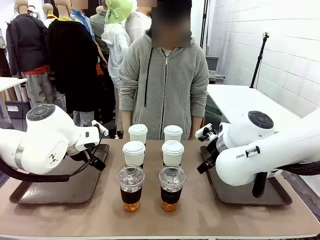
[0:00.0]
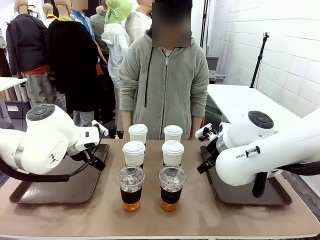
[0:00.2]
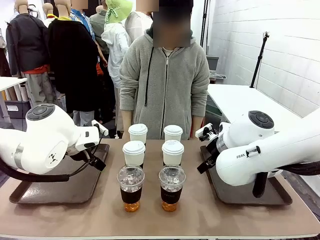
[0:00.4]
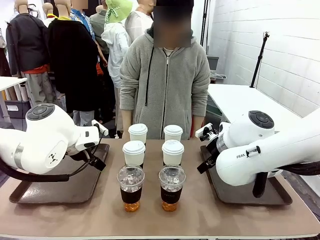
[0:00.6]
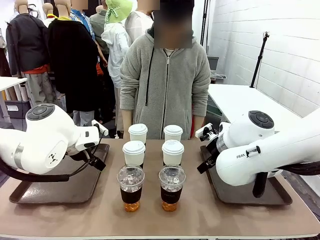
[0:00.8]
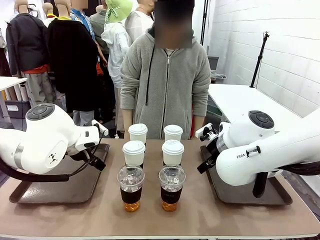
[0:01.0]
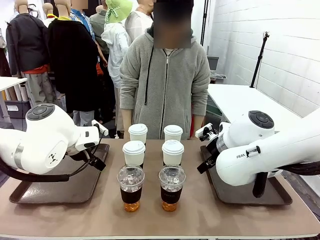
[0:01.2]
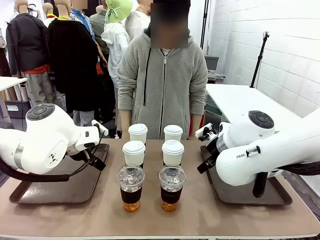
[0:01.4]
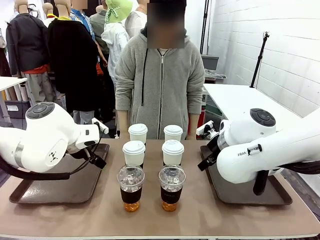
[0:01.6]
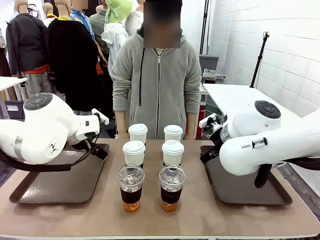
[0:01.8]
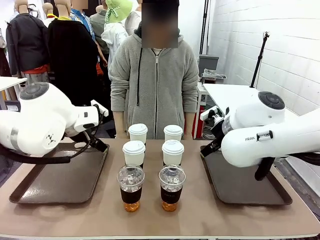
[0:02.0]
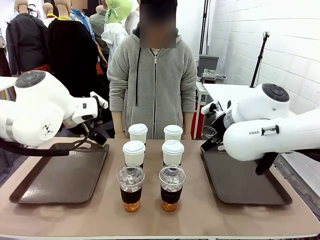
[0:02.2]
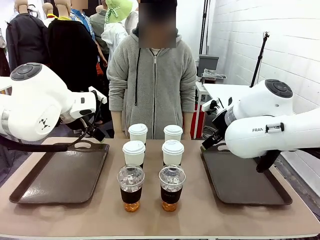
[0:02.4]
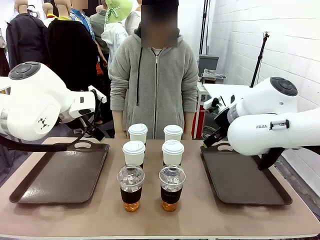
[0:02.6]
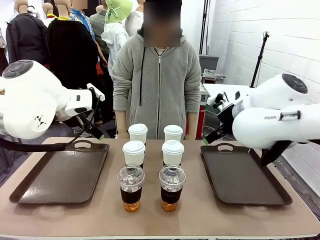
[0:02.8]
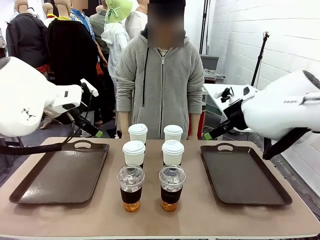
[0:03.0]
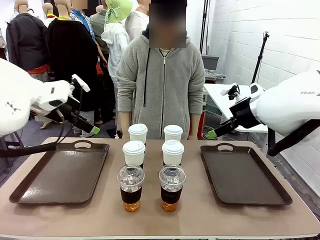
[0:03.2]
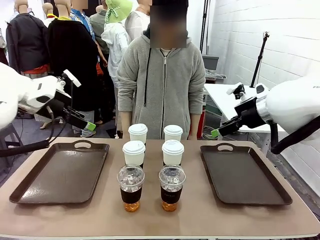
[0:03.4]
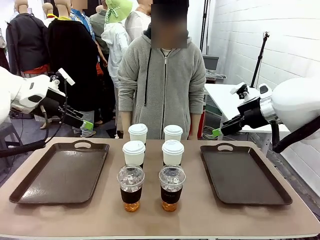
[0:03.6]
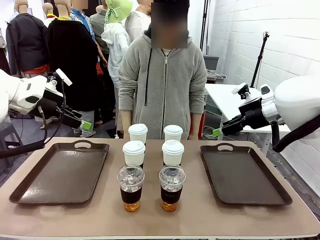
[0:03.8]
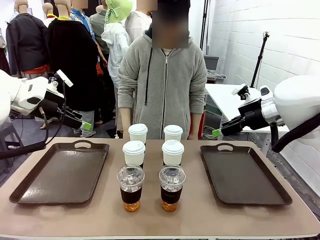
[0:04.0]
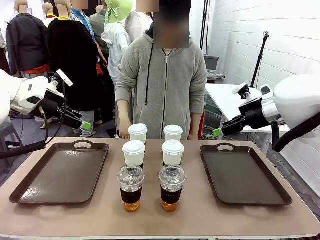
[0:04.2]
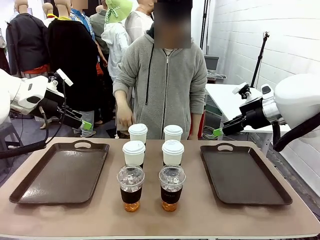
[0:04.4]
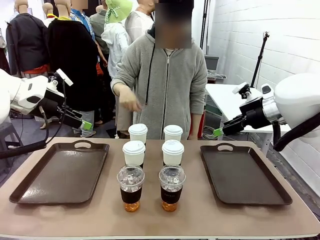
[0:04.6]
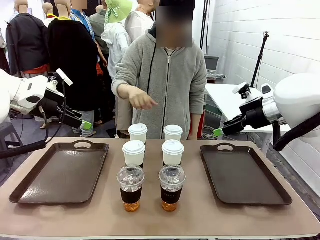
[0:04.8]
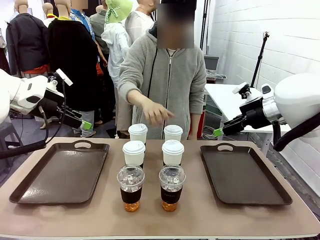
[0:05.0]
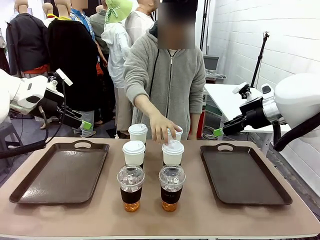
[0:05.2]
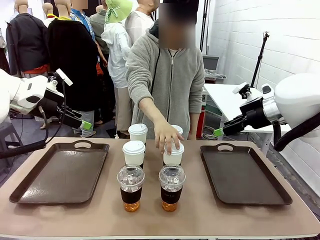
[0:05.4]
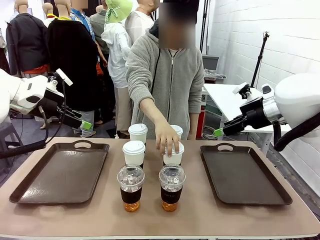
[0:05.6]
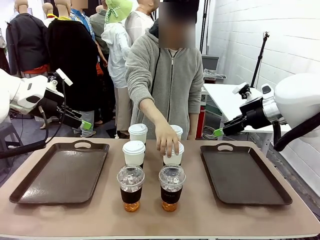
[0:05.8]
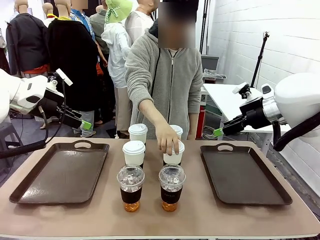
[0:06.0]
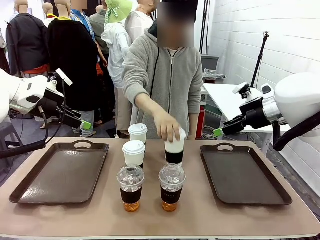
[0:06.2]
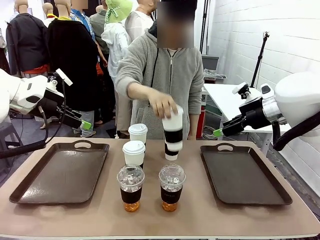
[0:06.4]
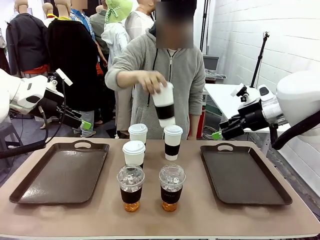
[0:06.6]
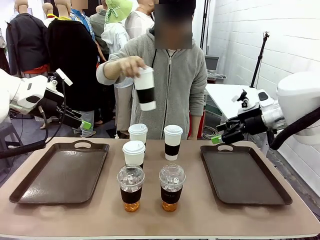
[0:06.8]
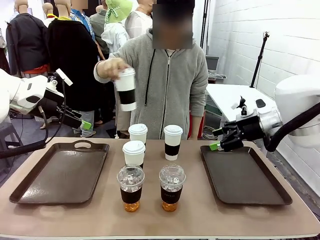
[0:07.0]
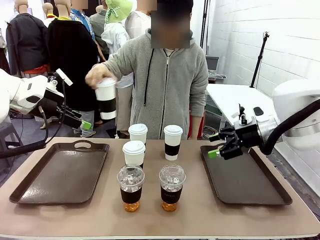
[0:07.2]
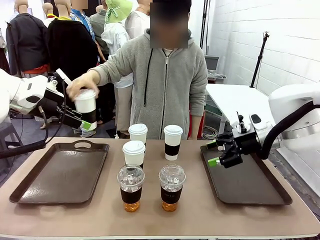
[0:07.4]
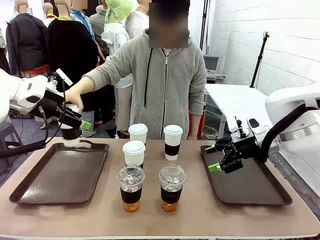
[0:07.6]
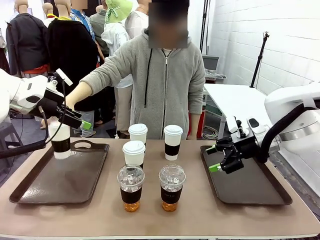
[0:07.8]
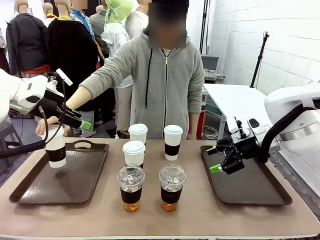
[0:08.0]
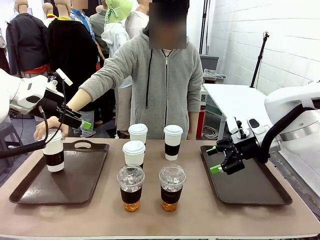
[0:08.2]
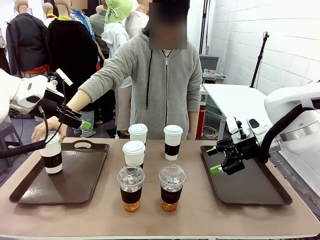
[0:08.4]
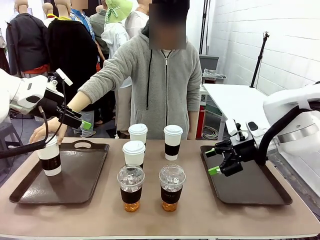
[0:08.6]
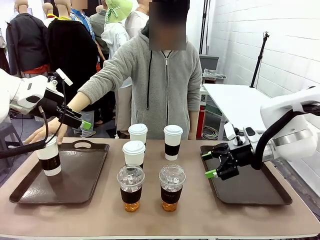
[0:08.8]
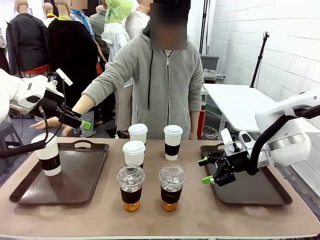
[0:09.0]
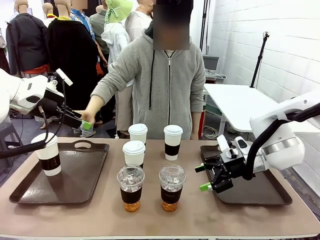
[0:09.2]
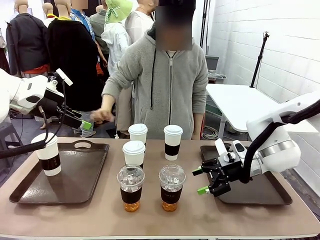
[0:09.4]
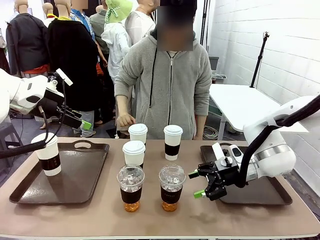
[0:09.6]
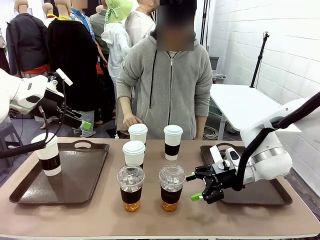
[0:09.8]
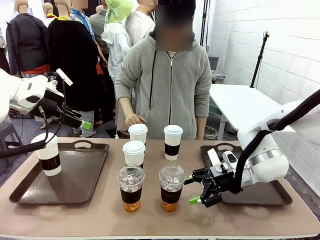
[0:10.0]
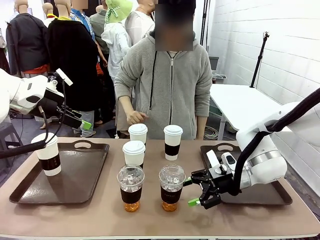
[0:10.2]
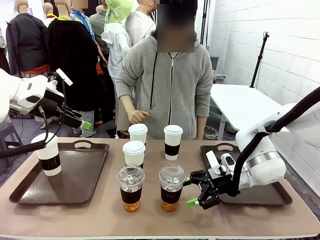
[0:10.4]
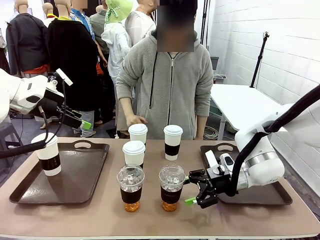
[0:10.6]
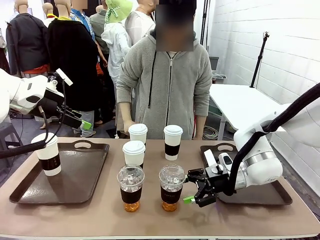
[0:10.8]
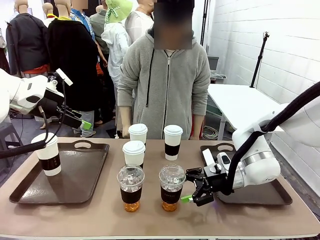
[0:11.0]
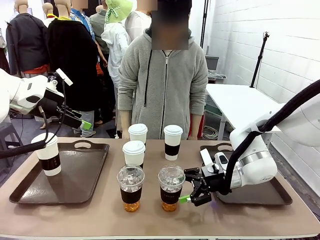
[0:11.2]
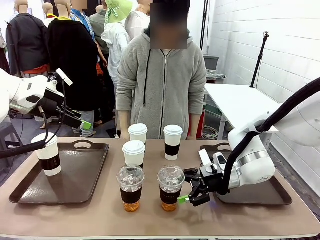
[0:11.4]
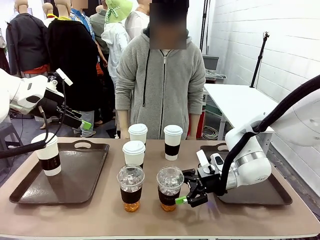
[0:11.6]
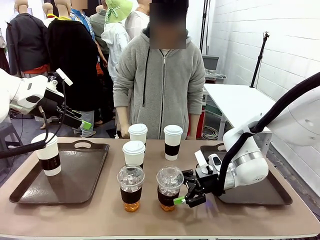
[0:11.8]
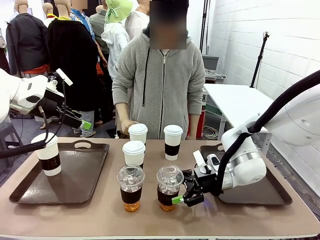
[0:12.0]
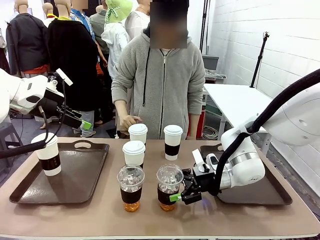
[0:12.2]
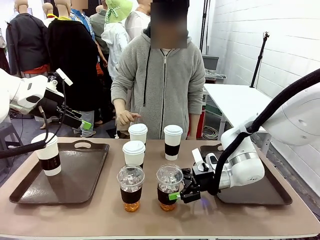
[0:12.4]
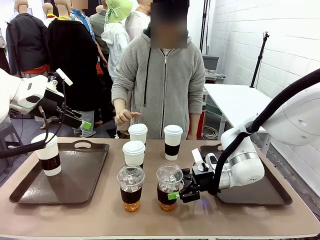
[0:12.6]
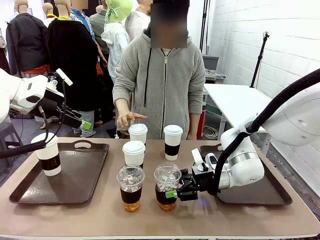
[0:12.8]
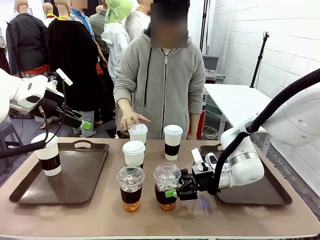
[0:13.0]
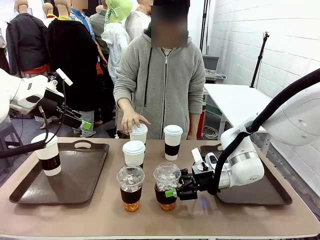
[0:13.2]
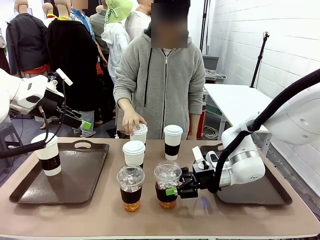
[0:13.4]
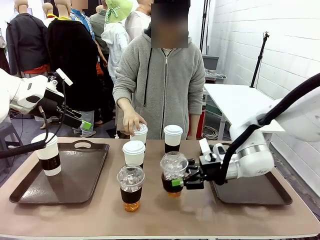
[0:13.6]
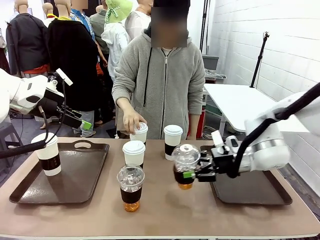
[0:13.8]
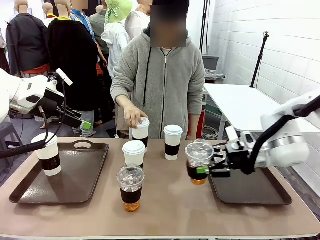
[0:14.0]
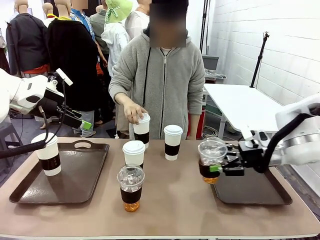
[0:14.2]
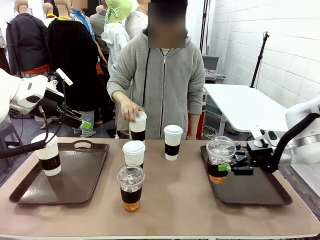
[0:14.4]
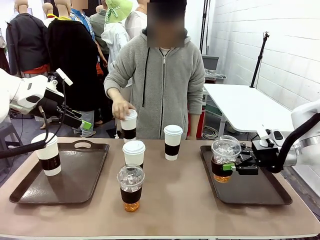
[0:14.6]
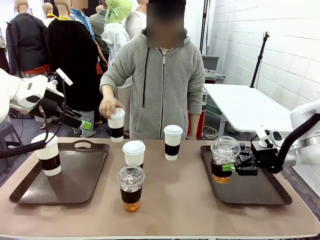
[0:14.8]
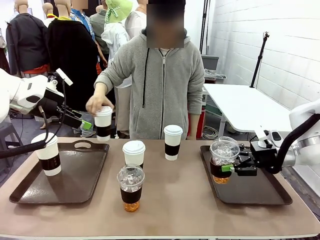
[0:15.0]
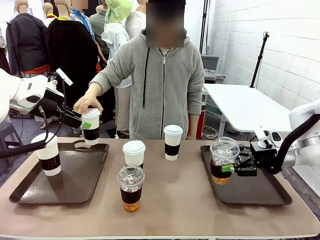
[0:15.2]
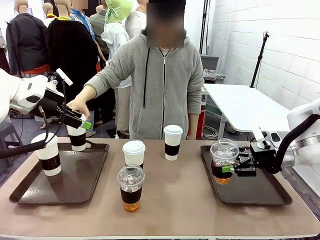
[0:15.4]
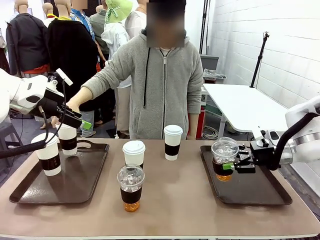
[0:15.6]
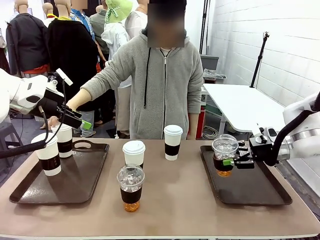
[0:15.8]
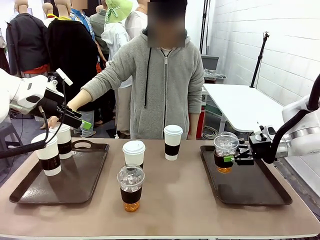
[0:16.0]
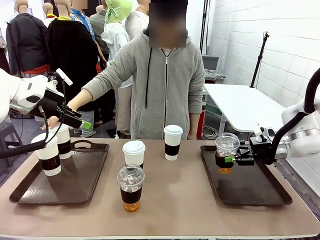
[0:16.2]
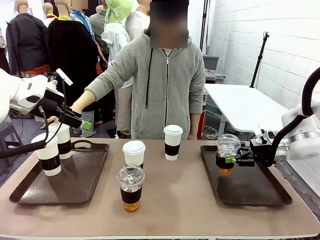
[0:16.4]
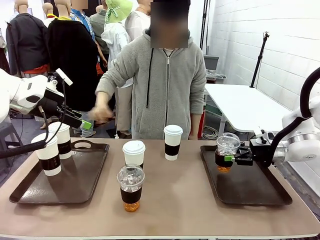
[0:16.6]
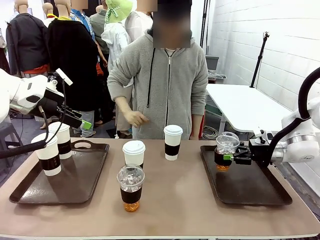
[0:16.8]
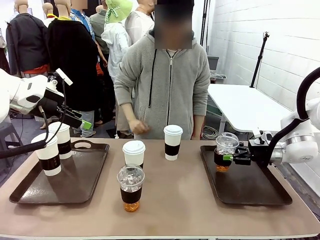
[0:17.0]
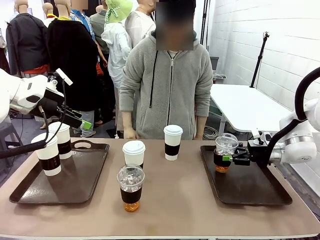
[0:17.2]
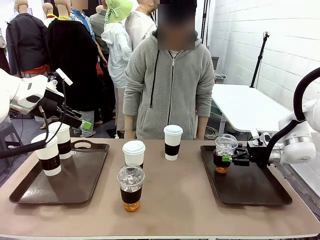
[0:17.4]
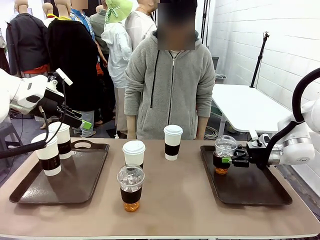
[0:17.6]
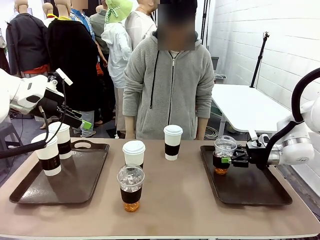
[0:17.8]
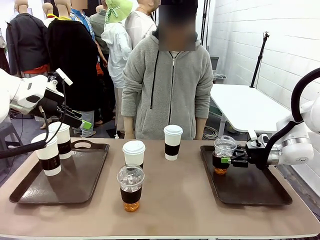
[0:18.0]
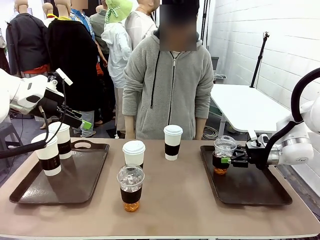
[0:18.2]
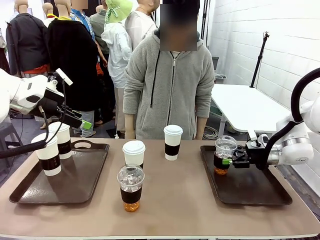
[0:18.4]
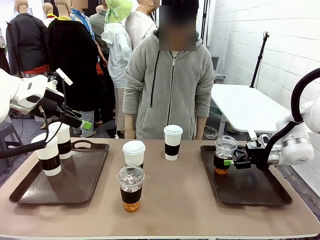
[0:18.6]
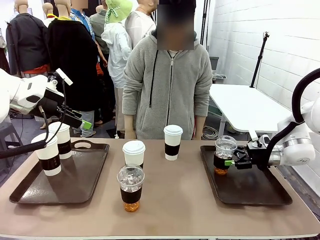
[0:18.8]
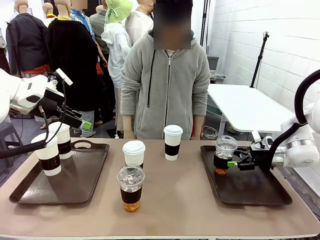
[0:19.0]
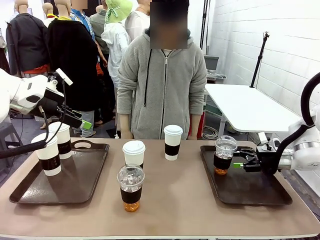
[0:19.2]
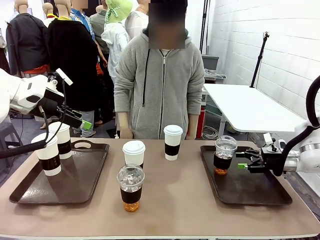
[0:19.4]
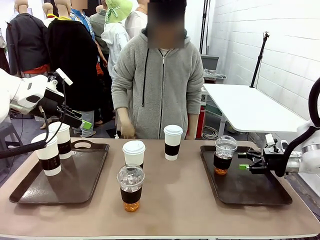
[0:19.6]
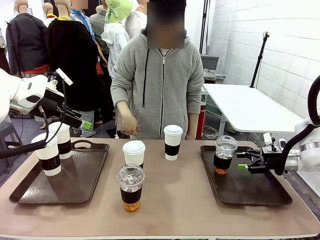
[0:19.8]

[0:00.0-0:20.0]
Task: Distribute the coffee onto the tray.
Robot: Pick up one iced Americano and place it on the right Handle tray.
Person: Pick up a cup of hot Americano and place it on the right tray.
